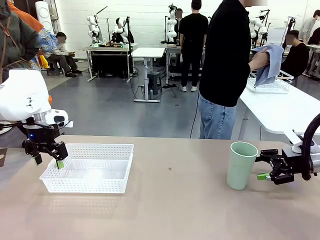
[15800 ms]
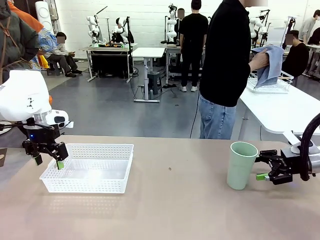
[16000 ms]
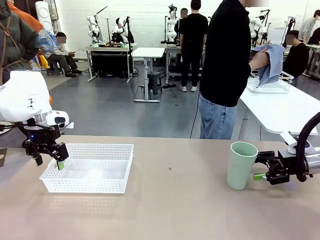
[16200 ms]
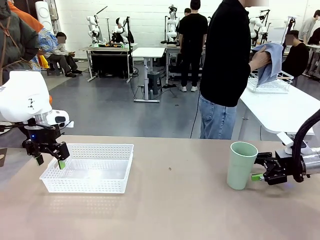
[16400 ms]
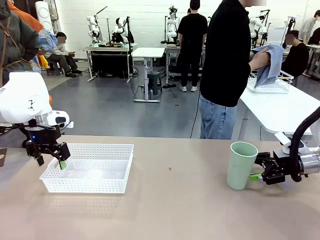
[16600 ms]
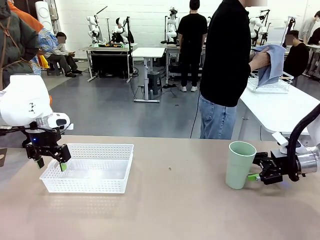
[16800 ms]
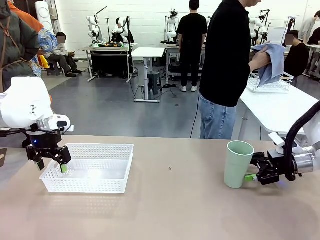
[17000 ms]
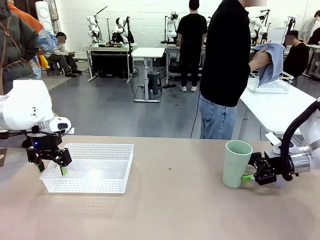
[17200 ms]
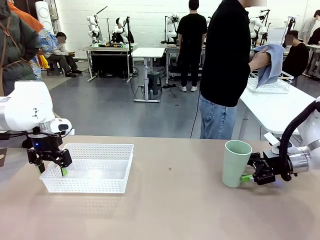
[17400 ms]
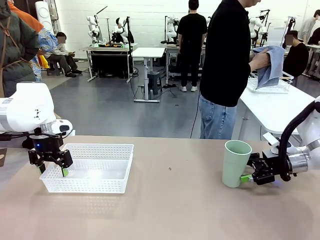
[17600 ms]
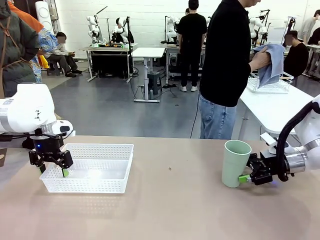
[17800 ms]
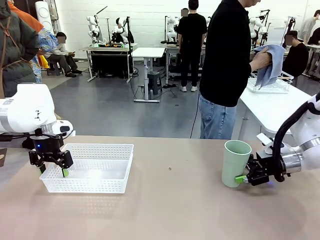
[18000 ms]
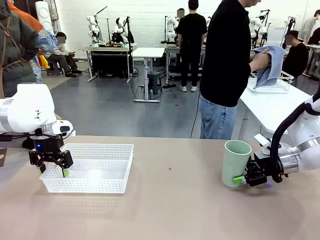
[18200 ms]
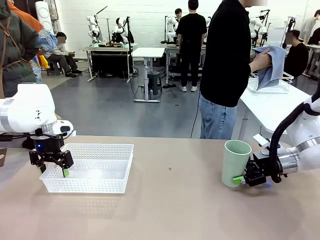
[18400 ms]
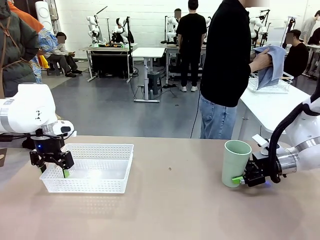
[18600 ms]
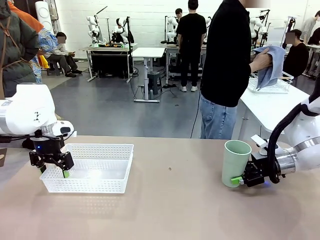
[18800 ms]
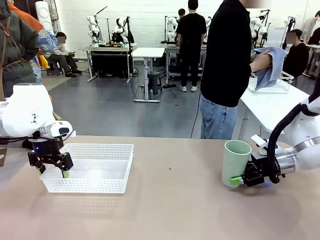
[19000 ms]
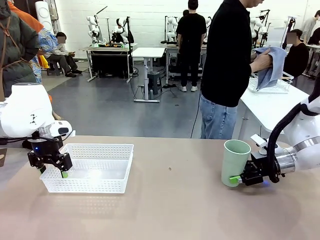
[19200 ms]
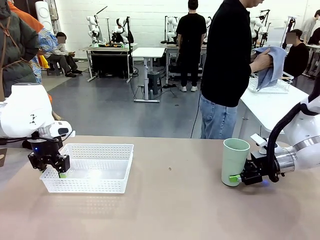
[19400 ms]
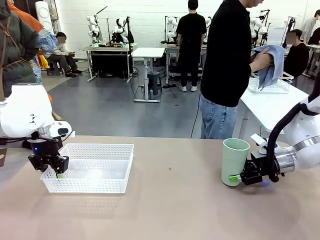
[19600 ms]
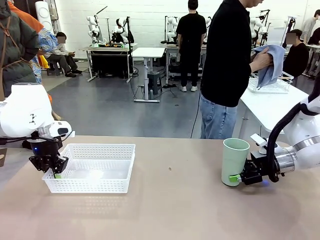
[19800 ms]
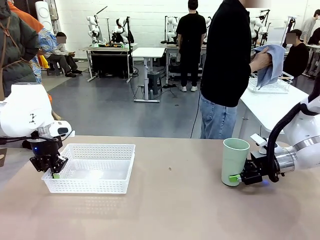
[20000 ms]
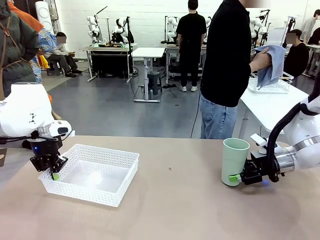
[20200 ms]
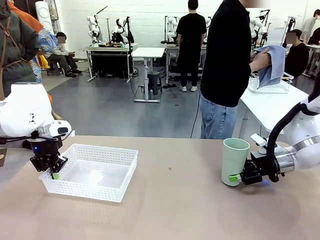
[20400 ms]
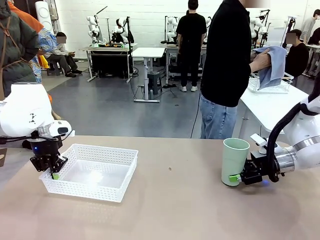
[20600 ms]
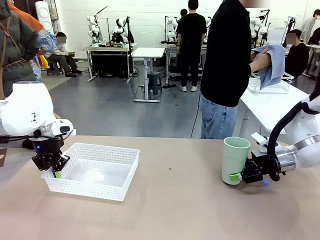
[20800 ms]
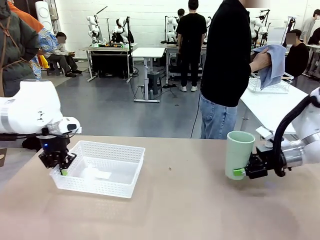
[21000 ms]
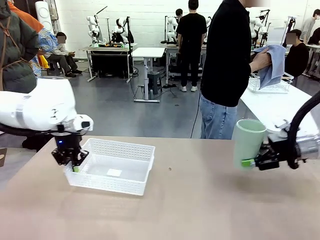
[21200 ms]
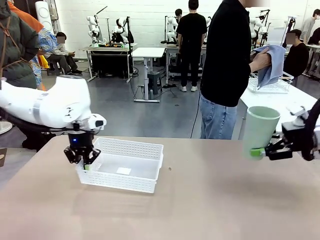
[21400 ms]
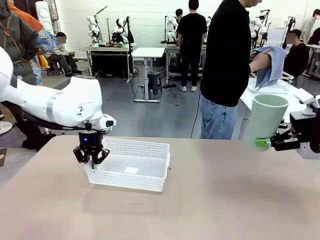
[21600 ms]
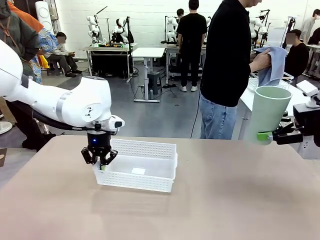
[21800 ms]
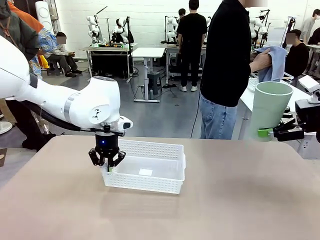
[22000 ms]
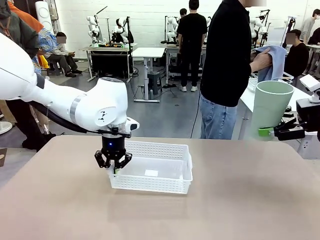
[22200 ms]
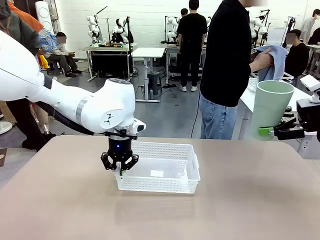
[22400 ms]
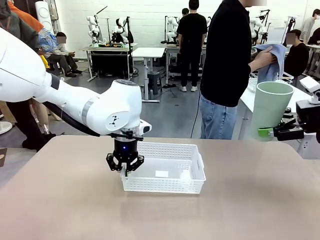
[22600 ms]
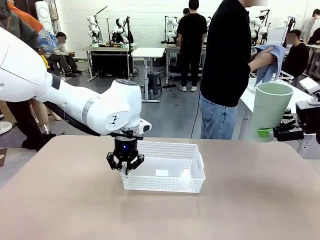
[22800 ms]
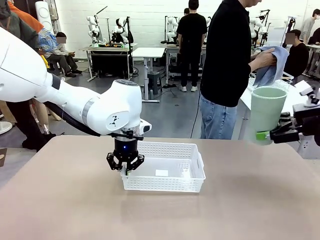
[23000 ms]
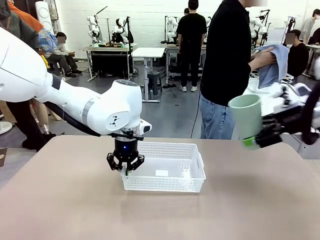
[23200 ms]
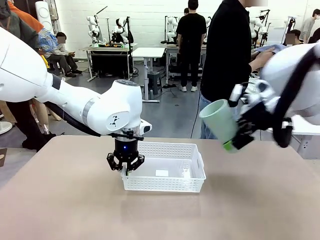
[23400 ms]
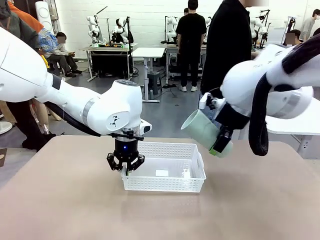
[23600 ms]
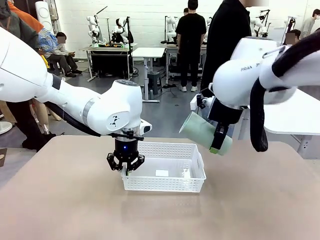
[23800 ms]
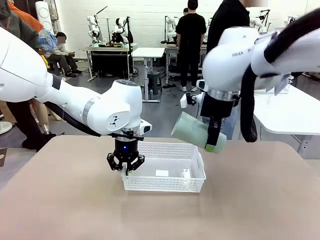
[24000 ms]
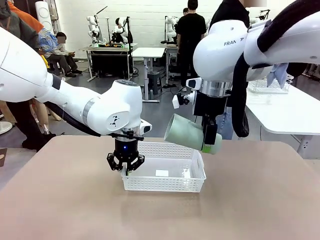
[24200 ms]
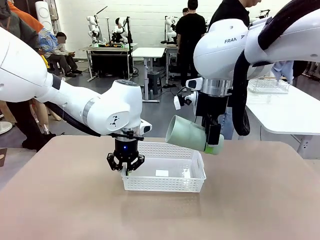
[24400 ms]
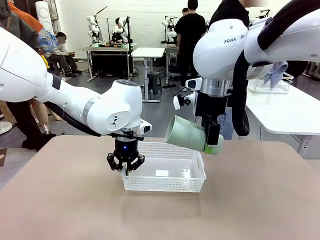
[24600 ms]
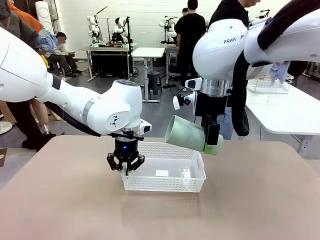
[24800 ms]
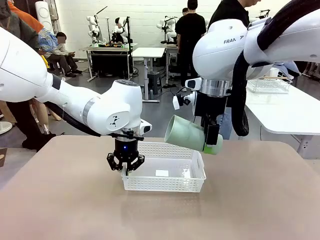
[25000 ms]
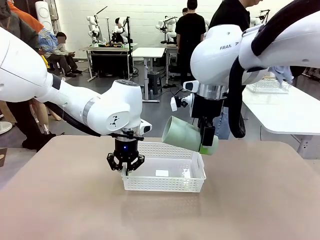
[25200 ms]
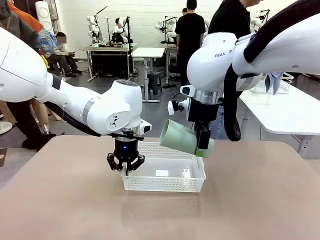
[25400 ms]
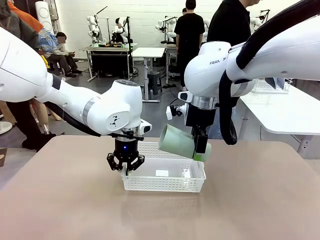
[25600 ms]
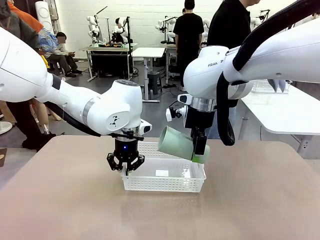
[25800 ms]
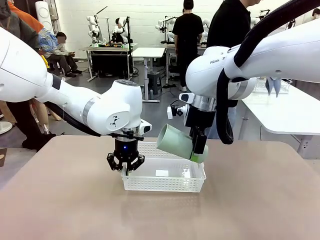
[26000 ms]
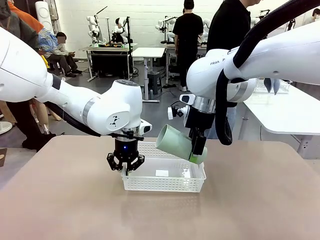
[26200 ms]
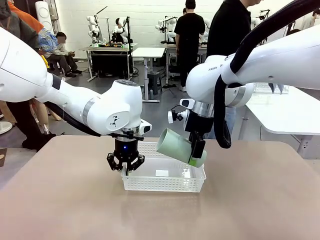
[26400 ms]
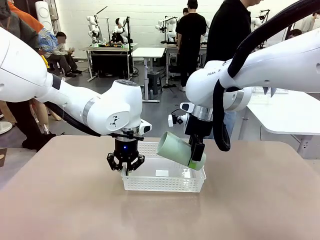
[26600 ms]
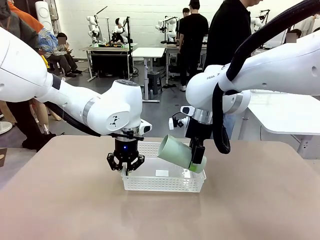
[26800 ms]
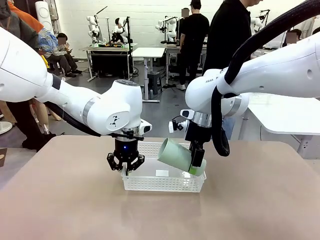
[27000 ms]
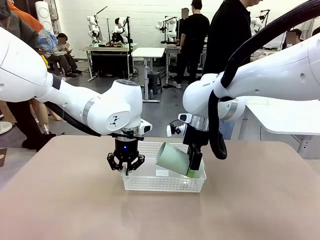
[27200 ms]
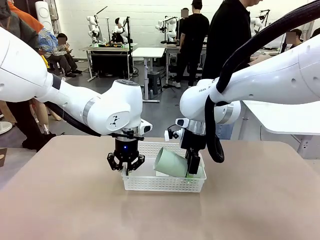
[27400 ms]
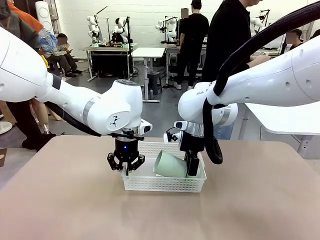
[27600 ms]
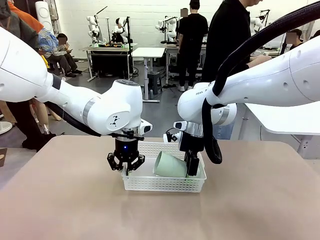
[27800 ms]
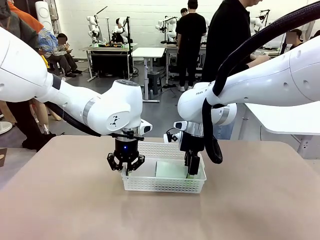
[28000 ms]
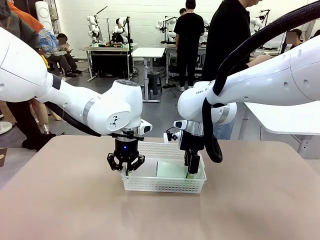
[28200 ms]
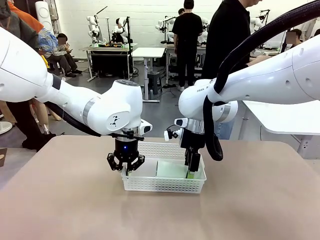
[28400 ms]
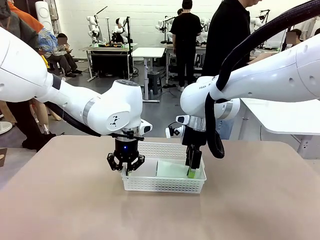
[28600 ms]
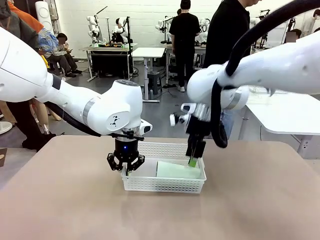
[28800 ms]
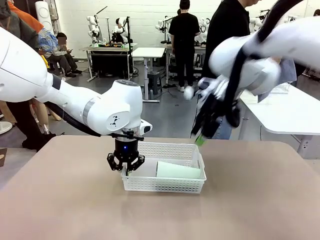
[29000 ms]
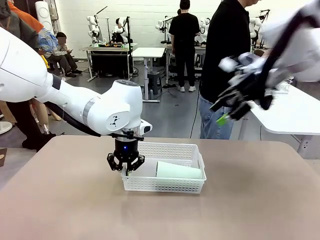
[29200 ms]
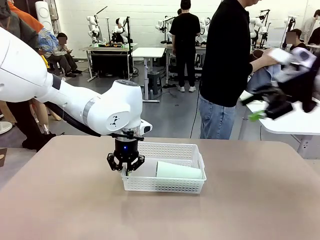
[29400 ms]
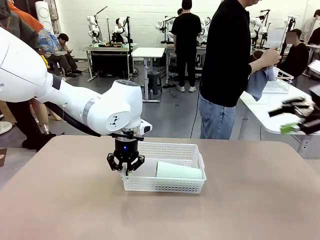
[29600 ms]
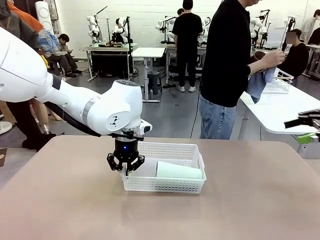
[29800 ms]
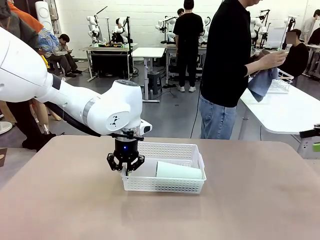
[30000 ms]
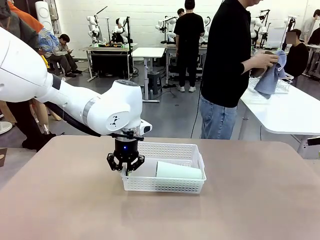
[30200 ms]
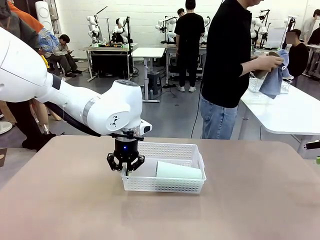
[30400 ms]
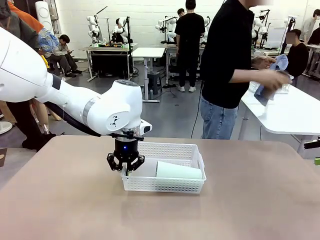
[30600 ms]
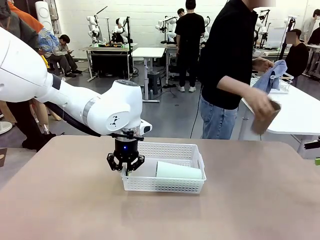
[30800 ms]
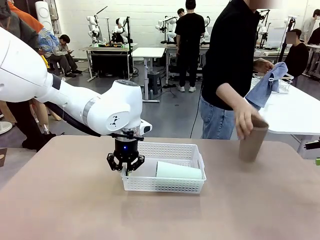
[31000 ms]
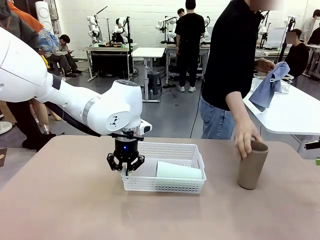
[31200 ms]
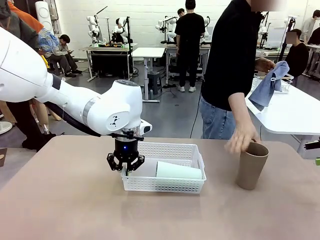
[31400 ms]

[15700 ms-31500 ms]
Task: Clean and organize the cups into the basket.
Robot: Pick up the Organizing basket and move it to the center of the table, then pick up the Reusable plastic cup from the right side of the table and place it inside the Organizing basket.
